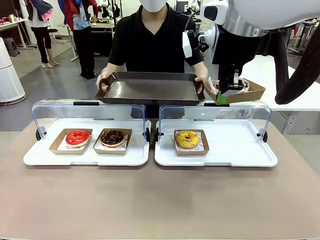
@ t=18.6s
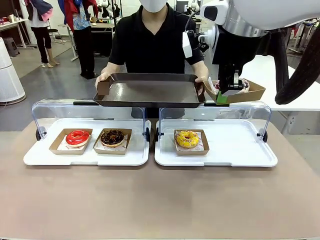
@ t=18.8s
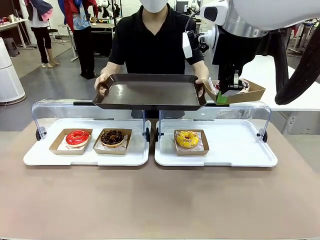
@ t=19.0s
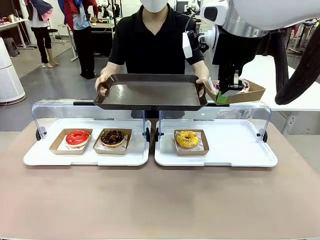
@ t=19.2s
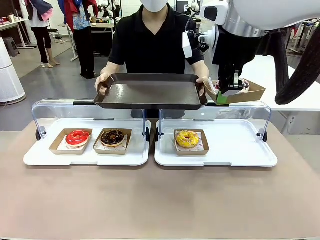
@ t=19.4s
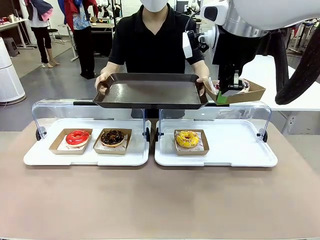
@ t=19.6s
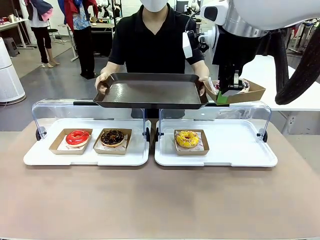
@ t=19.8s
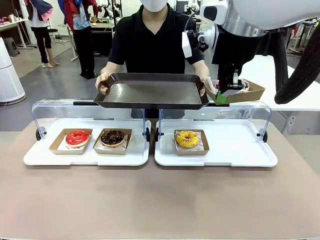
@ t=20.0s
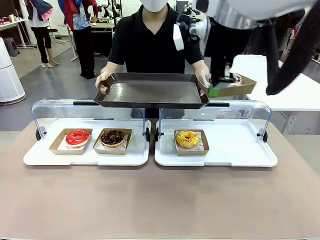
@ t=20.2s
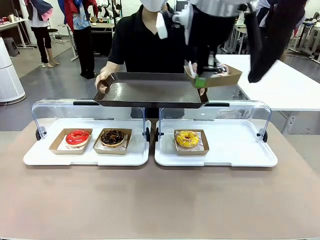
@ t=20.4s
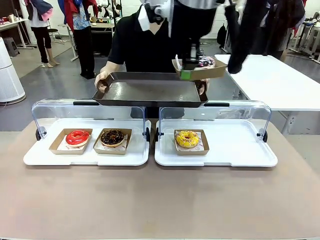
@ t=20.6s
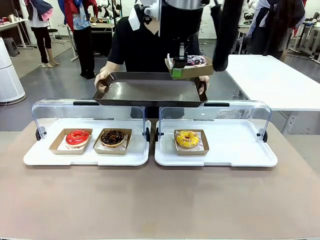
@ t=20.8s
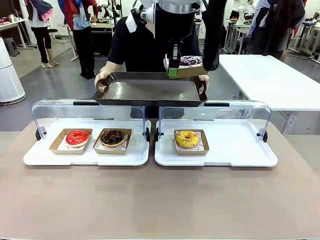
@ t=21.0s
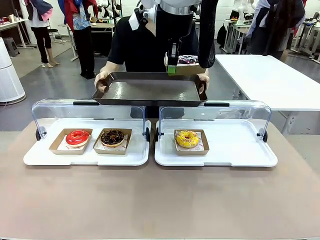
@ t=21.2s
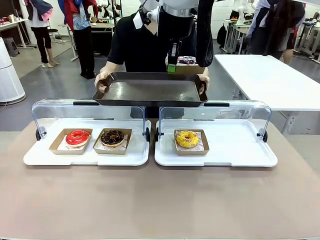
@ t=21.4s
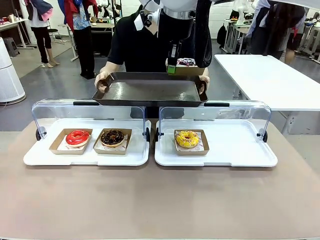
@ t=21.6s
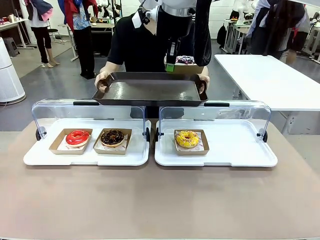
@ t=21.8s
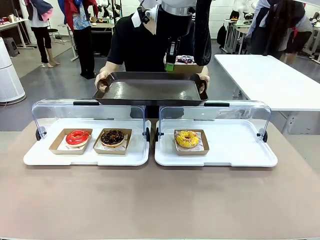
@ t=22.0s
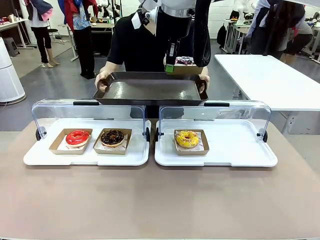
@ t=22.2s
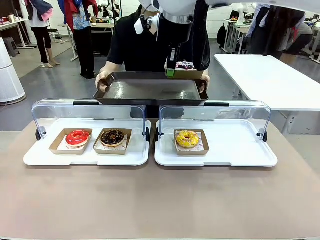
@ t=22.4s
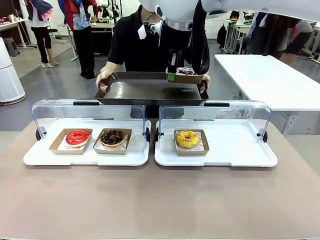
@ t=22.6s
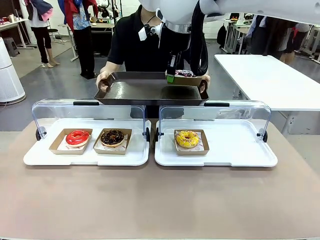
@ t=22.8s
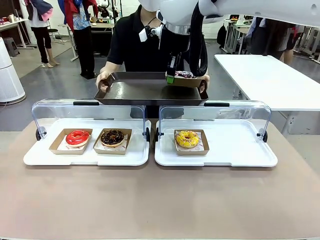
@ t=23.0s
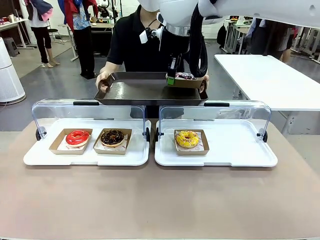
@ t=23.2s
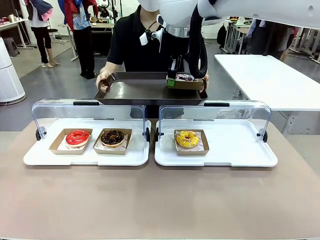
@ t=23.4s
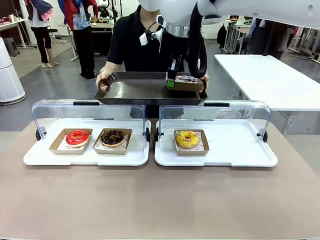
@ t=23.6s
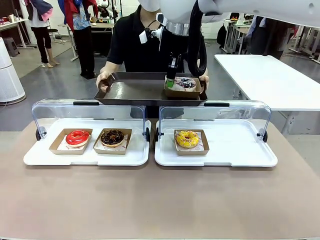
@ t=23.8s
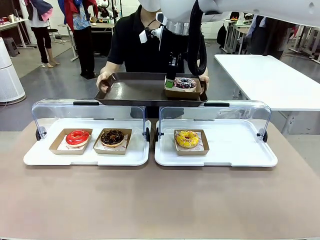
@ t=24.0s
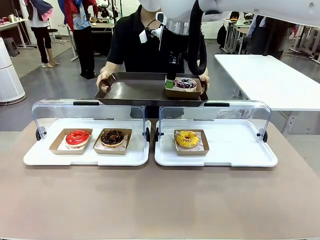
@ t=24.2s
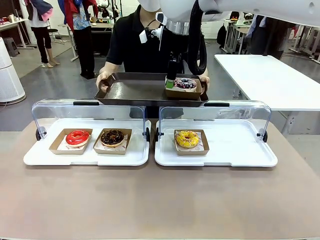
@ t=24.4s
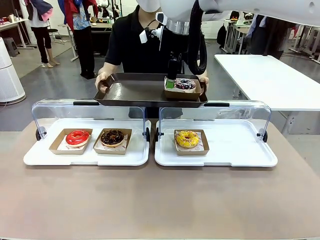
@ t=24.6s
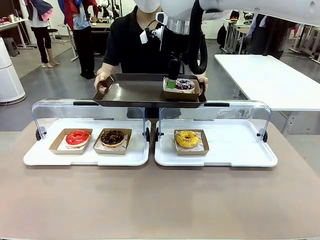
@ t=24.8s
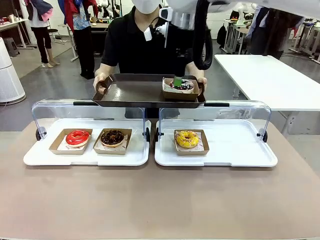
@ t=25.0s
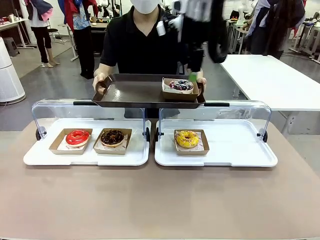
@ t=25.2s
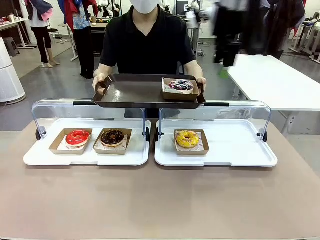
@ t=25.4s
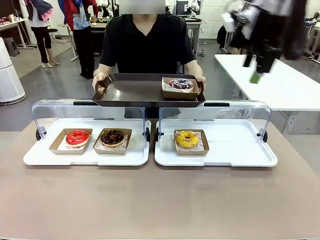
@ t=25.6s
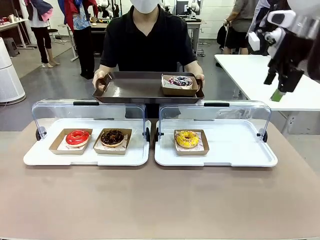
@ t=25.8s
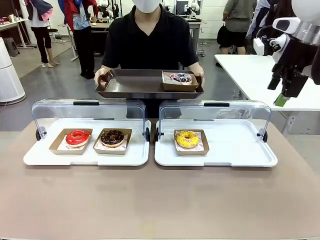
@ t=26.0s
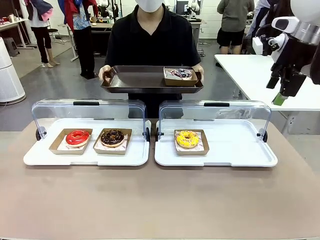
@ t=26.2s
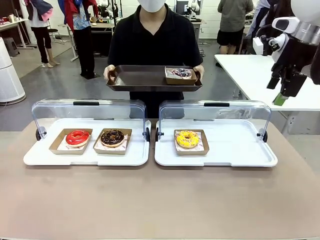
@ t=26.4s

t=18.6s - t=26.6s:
Task: Provide the desired donut to the person.
Robot: Place the picked Paper togo box onto the Handle tray extended by the person.

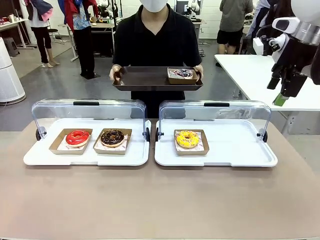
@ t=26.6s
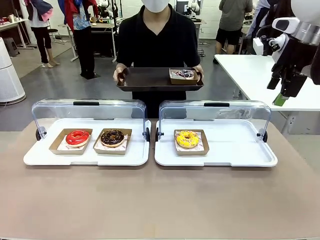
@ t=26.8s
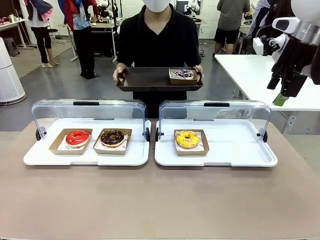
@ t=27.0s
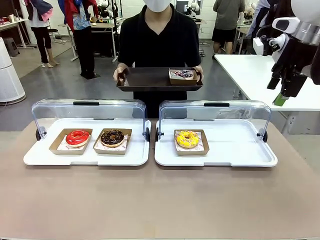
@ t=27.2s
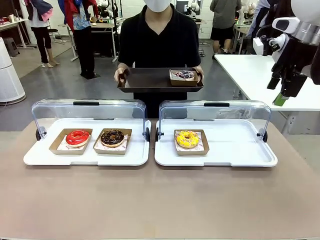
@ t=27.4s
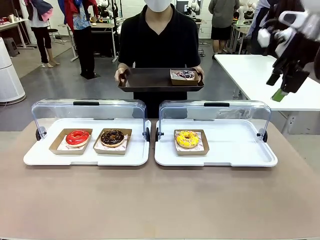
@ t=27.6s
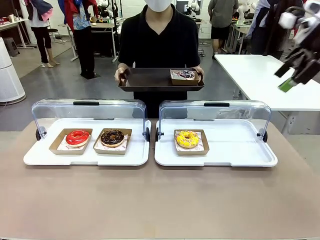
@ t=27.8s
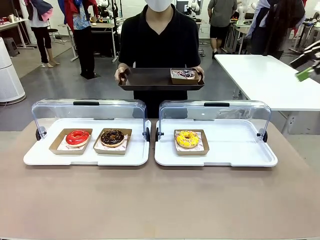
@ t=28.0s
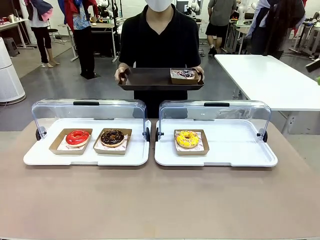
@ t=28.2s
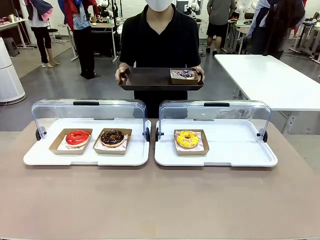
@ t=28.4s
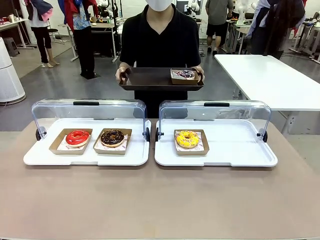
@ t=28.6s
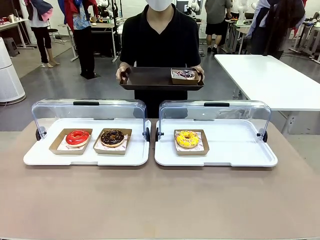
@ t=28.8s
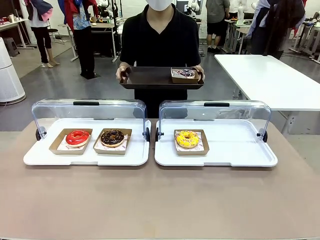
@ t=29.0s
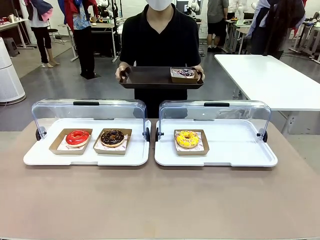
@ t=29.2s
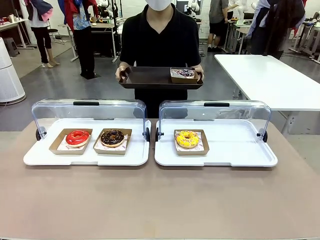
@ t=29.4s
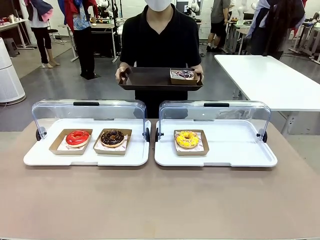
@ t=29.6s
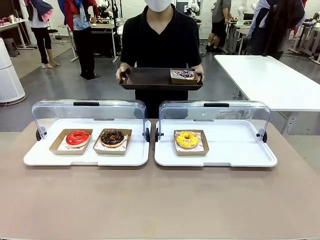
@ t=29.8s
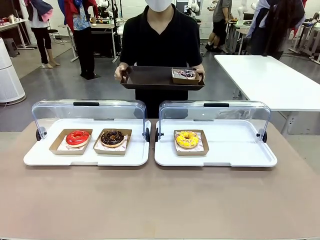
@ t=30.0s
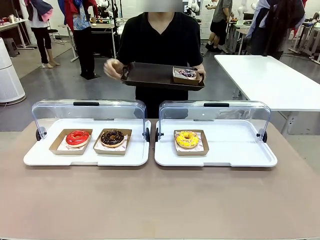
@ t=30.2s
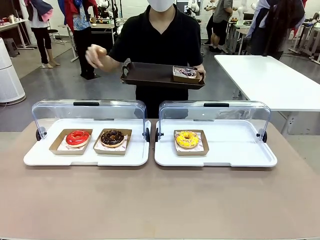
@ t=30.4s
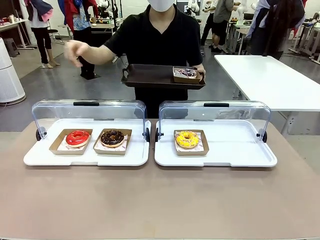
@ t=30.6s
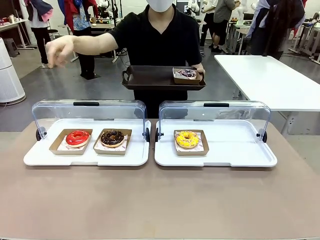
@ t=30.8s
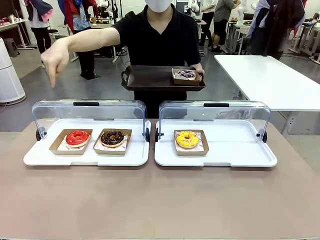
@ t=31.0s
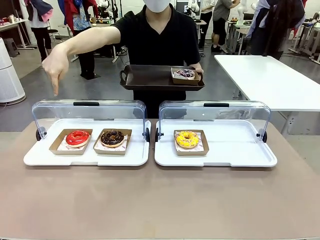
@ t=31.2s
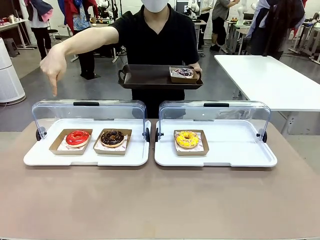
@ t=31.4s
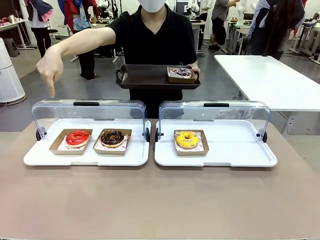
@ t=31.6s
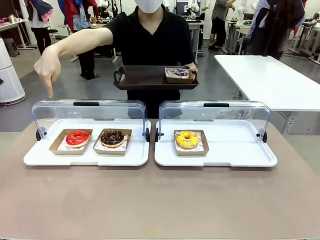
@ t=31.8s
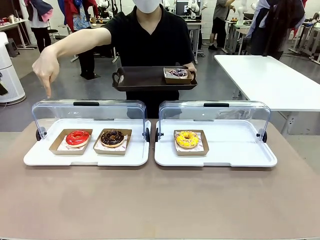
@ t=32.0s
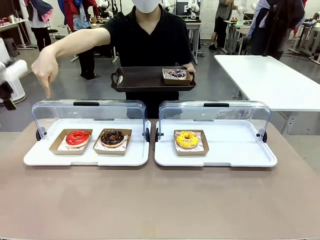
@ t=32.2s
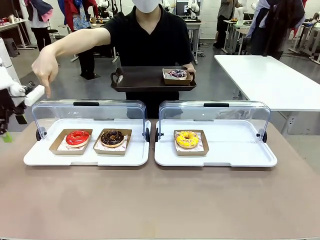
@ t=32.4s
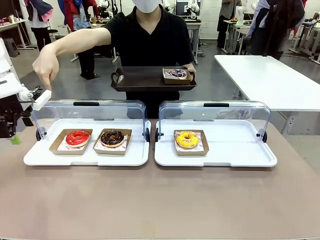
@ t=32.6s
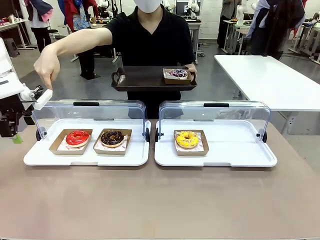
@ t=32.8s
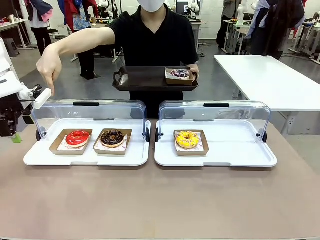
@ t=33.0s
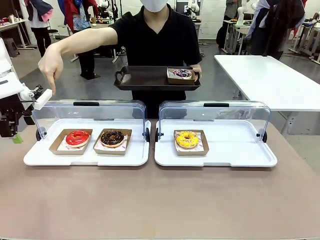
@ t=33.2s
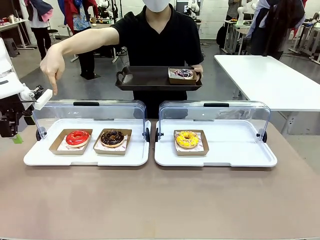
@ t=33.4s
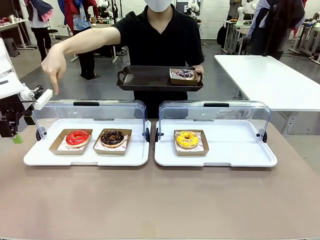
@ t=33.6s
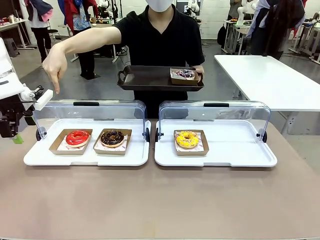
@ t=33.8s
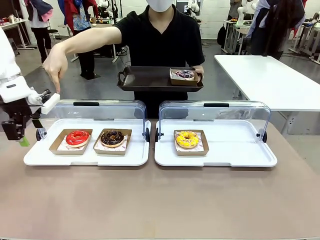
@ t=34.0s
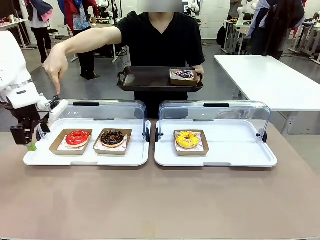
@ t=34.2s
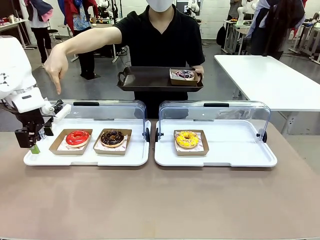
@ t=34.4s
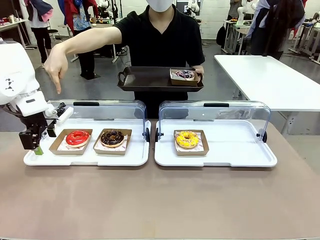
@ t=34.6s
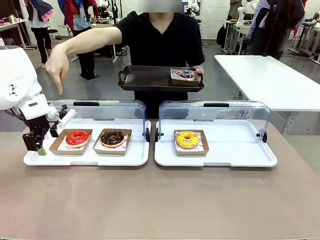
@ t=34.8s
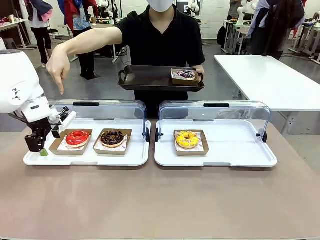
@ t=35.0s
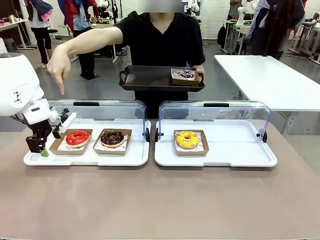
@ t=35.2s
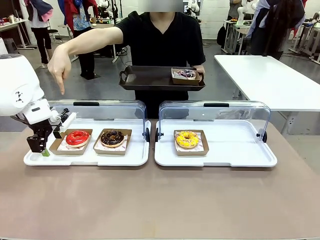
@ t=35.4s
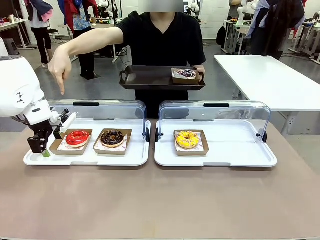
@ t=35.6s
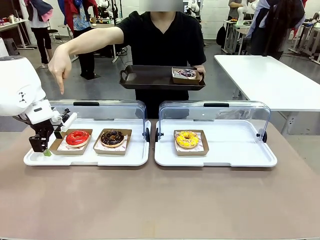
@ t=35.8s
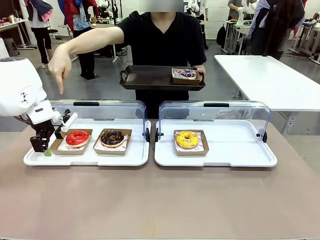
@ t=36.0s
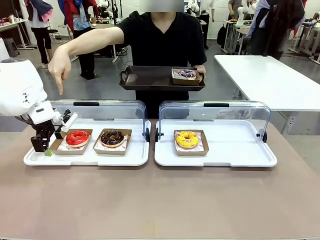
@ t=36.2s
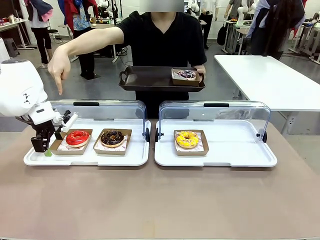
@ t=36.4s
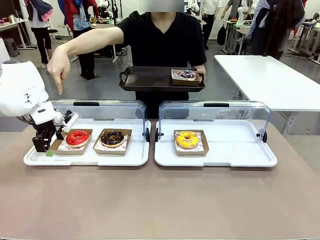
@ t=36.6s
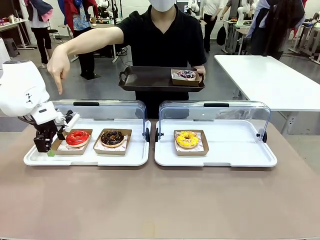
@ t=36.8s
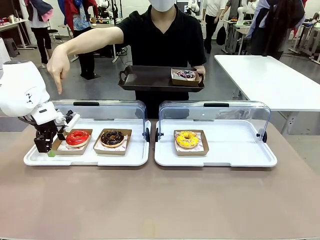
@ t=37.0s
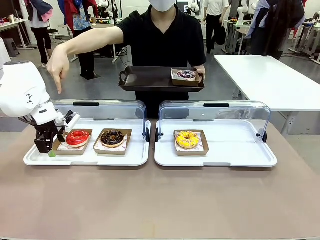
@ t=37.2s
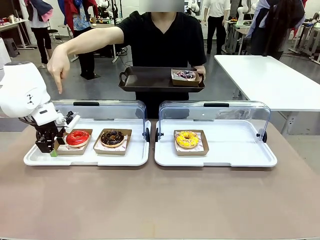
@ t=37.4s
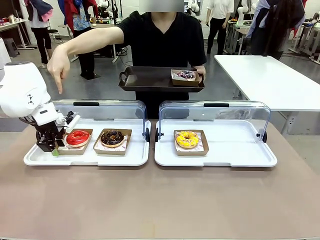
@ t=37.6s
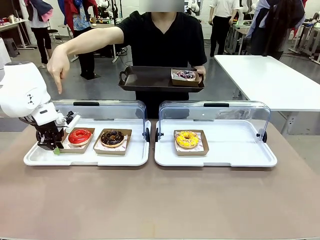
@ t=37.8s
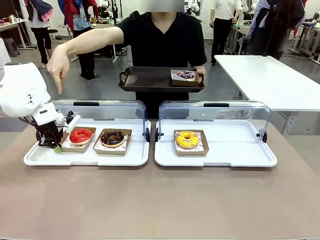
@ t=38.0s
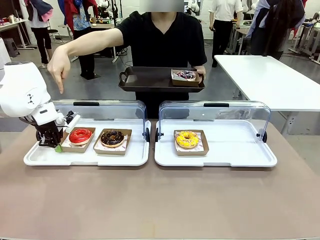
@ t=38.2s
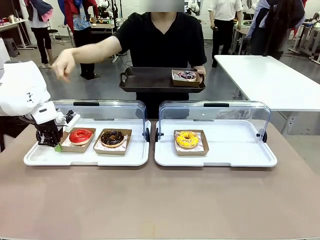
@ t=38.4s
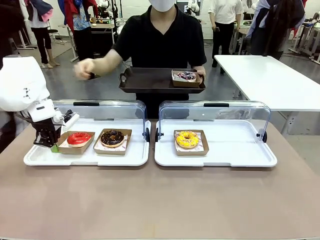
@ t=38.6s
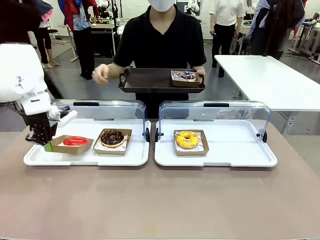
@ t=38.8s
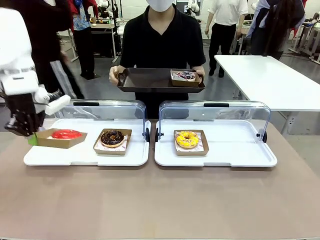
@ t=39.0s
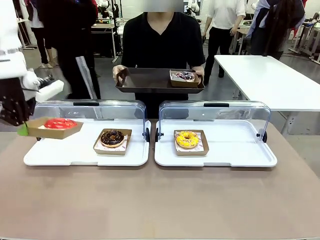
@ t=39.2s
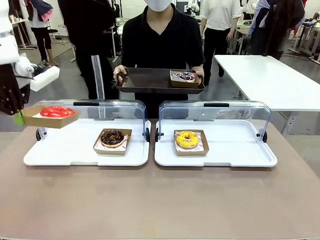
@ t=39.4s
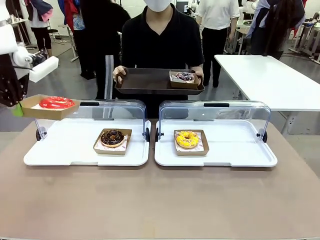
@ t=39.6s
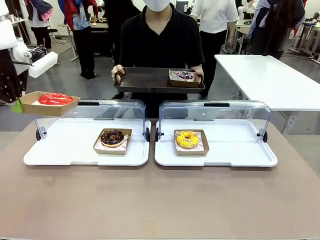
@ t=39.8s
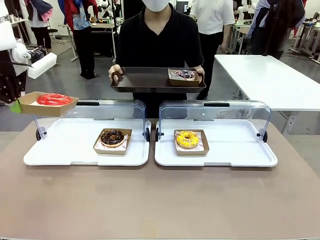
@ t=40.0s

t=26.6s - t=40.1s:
Robot: Pick up and lift the Paper togo box containing the Donut pointed at by the person.
Person: Point to one donut. Lift the tray onto the Roll-Top Bakery Case.
